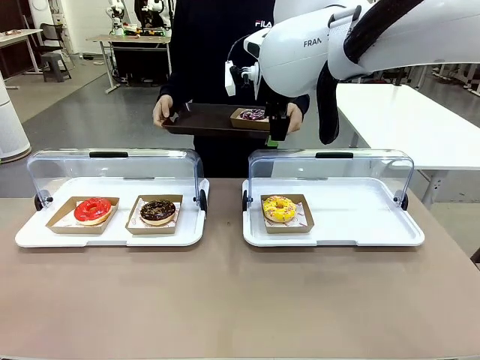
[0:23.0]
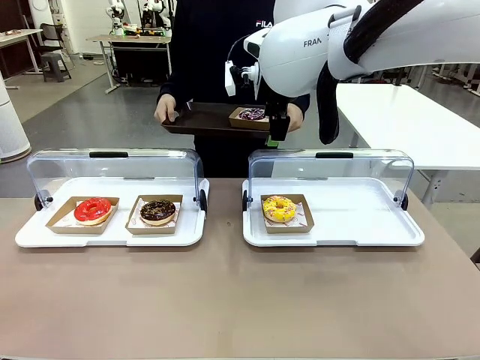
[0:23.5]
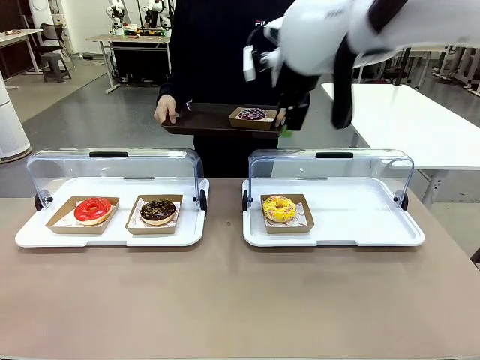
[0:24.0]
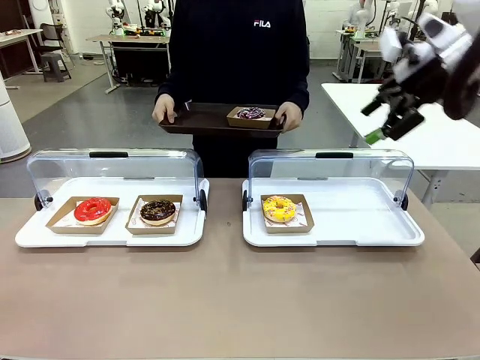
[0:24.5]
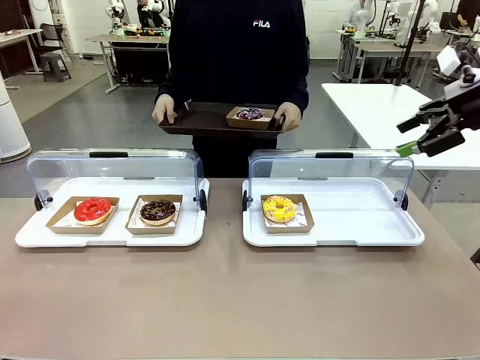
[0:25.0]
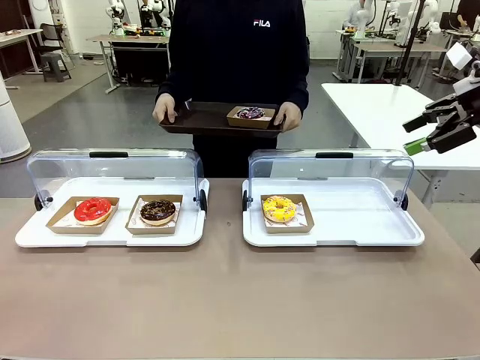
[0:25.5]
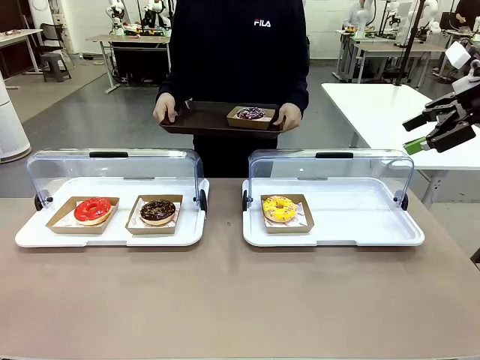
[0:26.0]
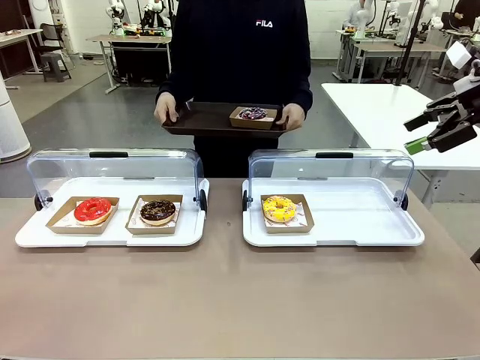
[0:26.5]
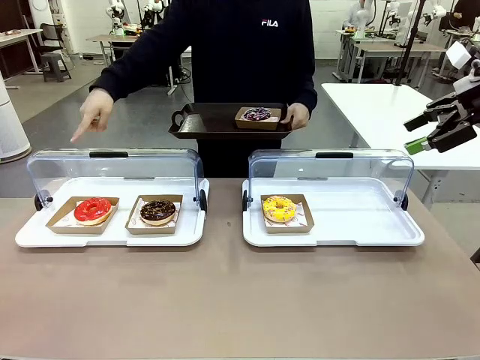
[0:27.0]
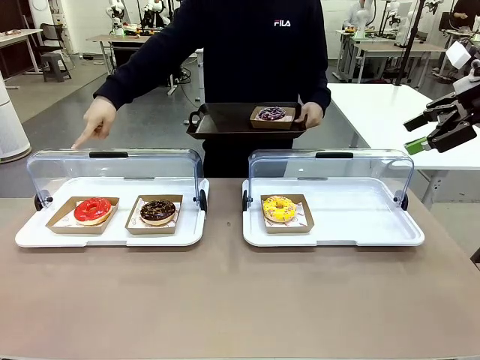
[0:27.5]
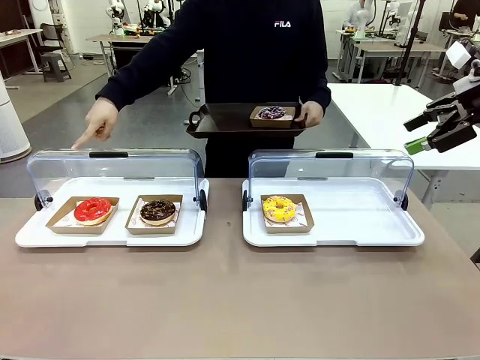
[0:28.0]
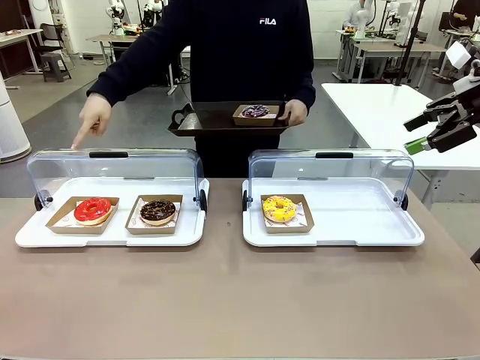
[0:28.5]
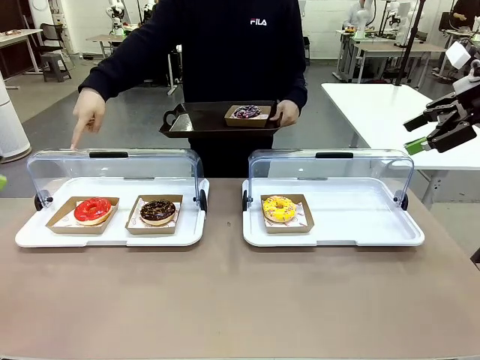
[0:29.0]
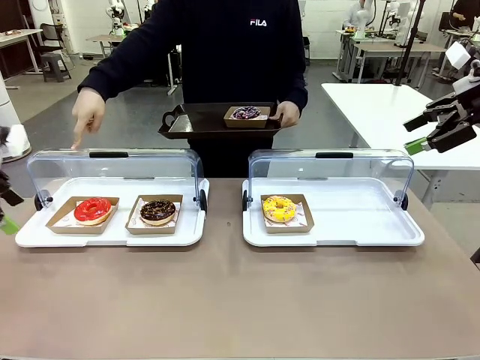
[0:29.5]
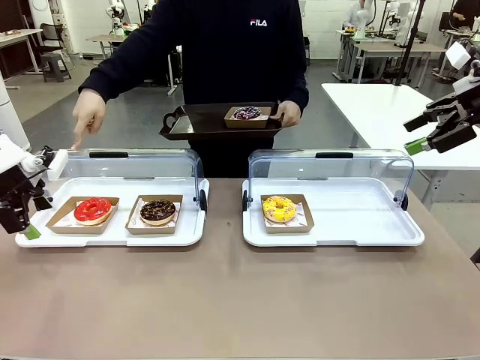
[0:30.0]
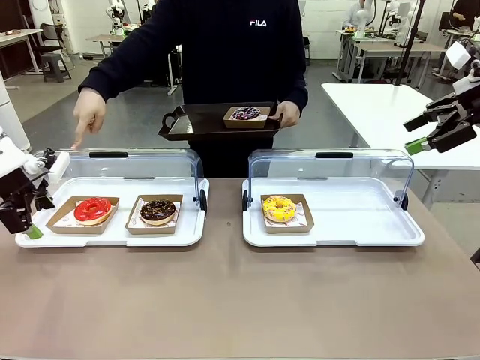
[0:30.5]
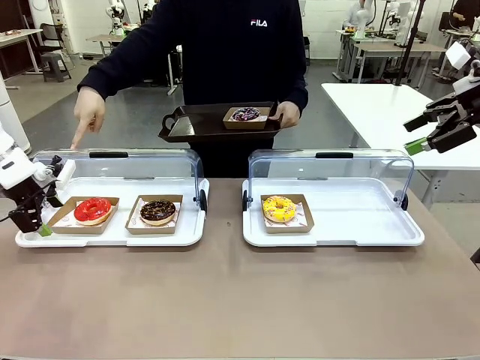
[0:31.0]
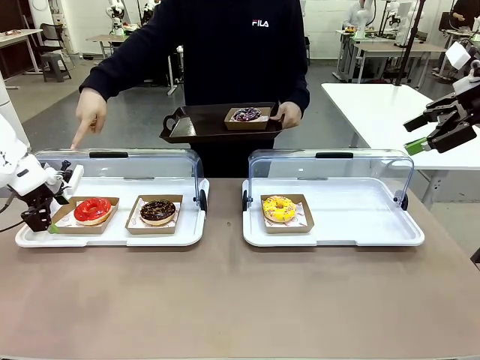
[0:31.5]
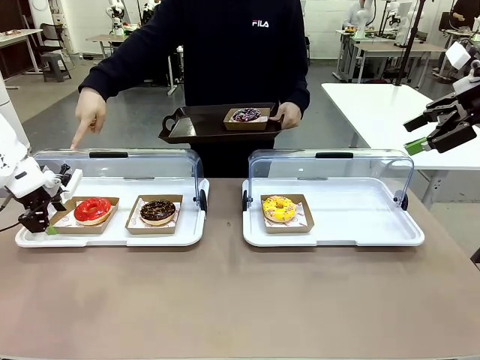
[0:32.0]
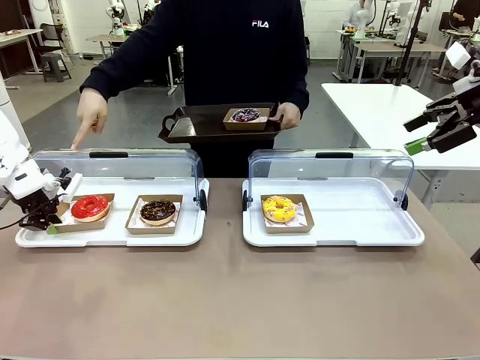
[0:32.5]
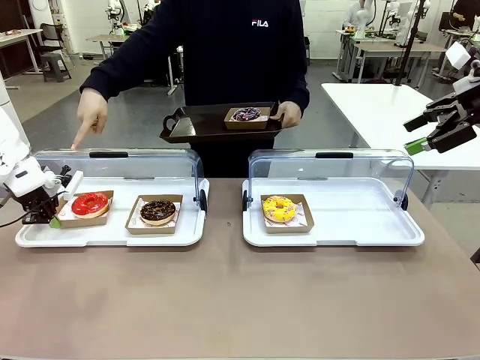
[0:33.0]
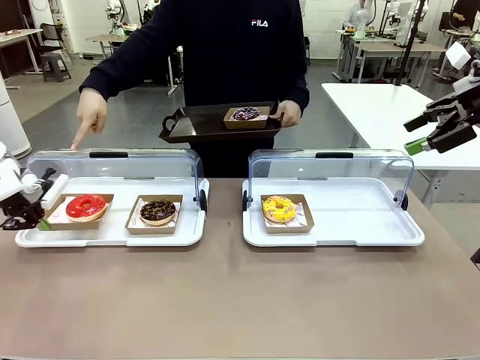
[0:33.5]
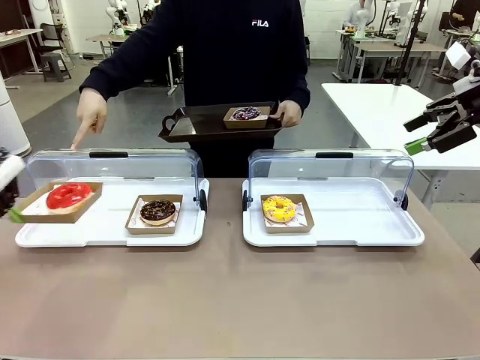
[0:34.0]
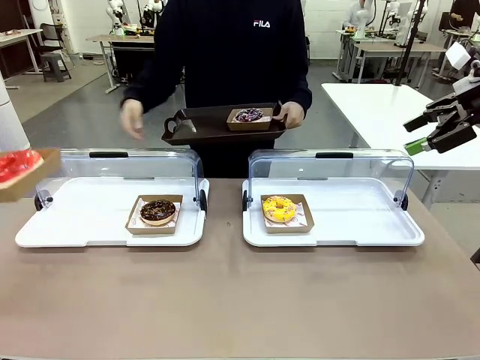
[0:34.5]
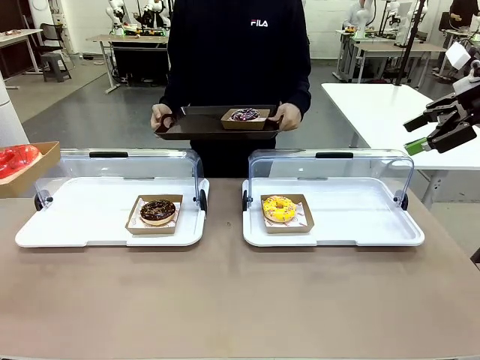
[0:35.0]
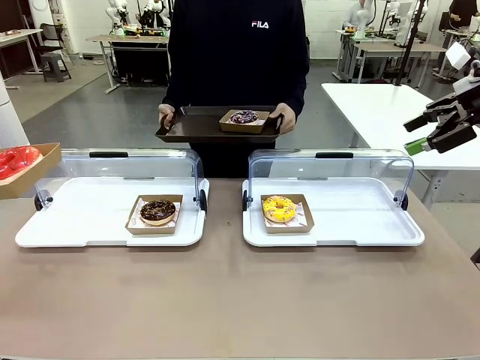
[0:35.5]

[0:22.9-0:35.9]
Task: Provide the desired donut to the person.
Robot: Pick up and lift the Paper togo box containing the Donut pointed at by the person.
Person: Lift the tray onto the Roll-Top Bakery Case.

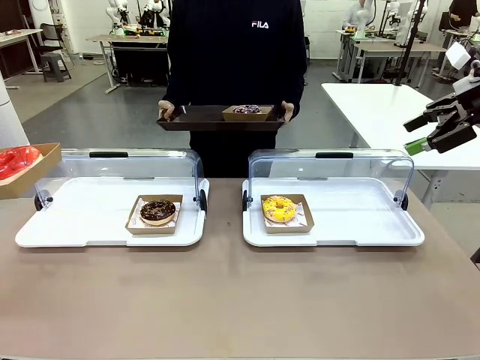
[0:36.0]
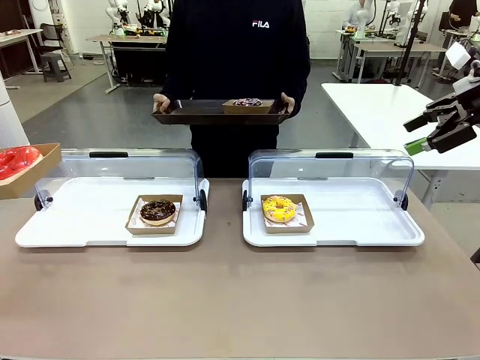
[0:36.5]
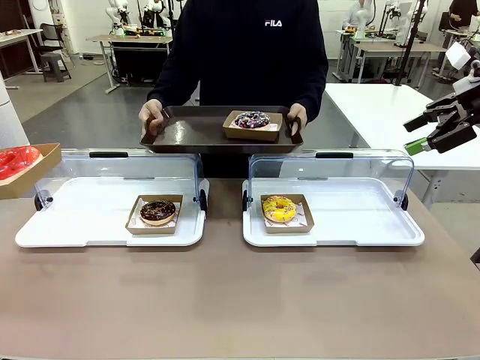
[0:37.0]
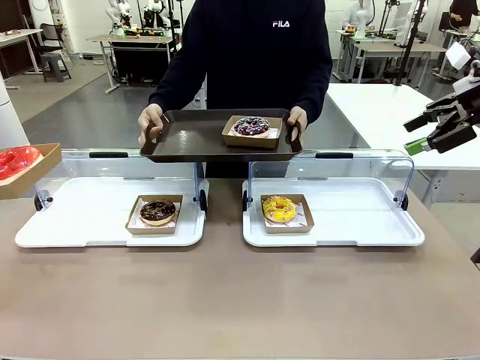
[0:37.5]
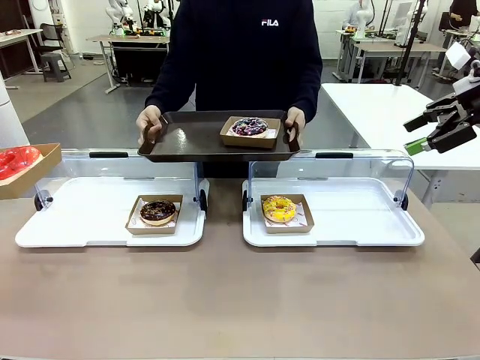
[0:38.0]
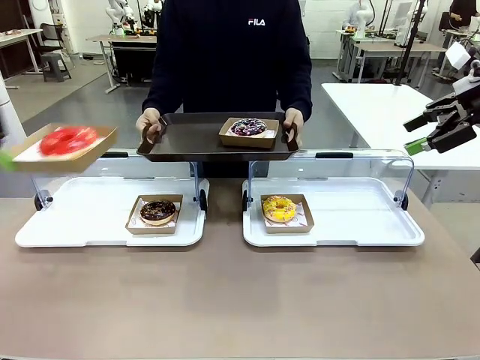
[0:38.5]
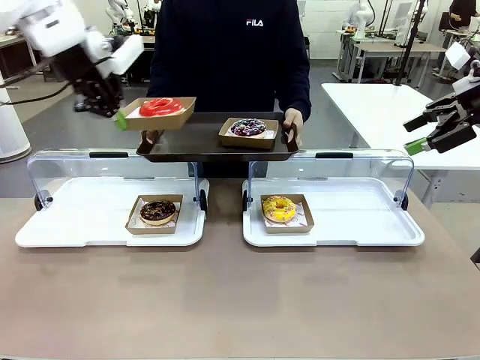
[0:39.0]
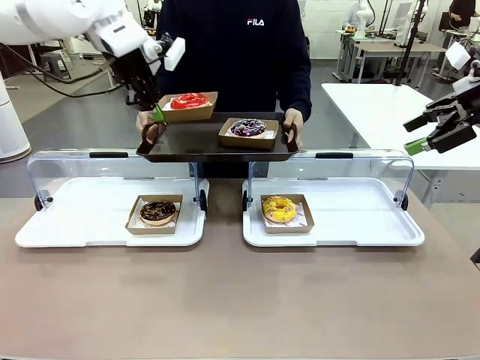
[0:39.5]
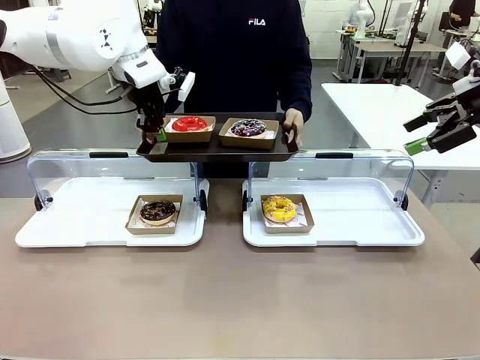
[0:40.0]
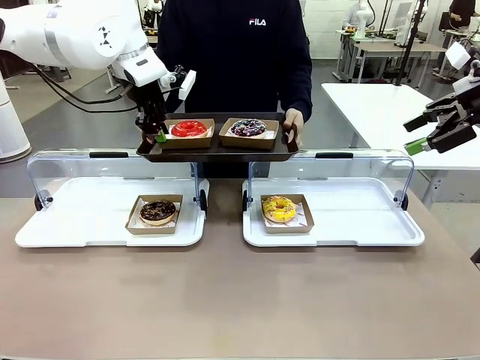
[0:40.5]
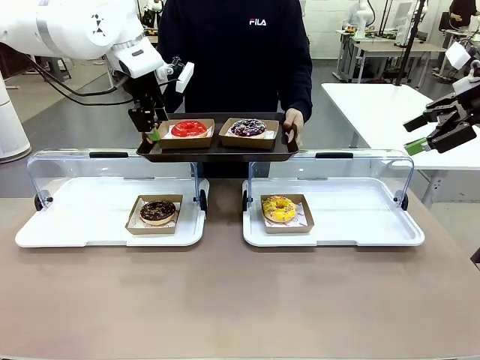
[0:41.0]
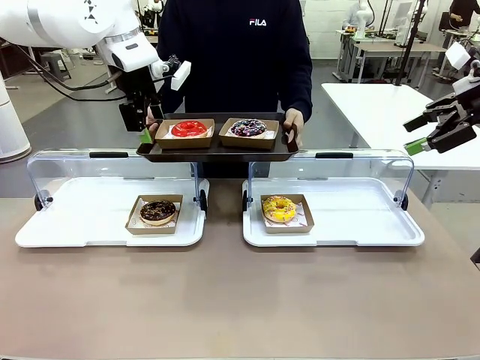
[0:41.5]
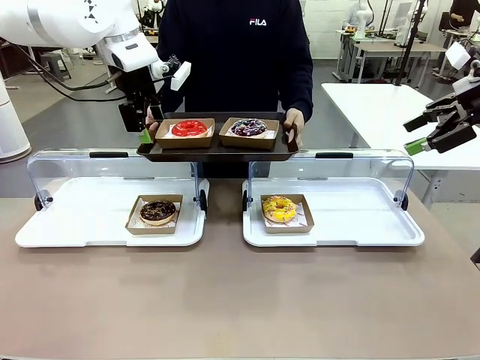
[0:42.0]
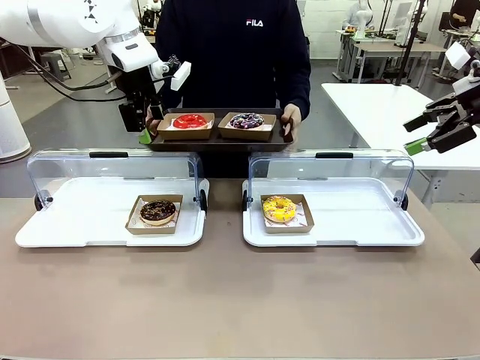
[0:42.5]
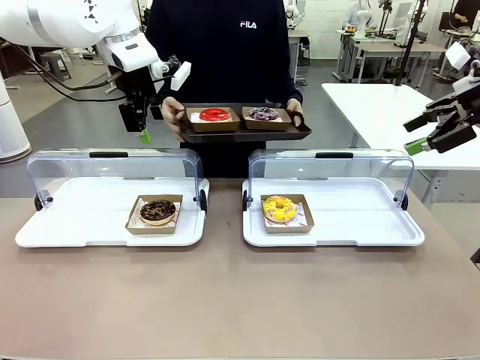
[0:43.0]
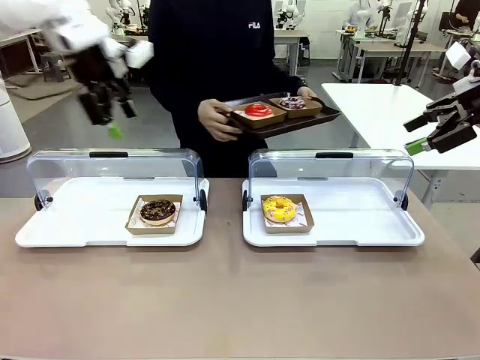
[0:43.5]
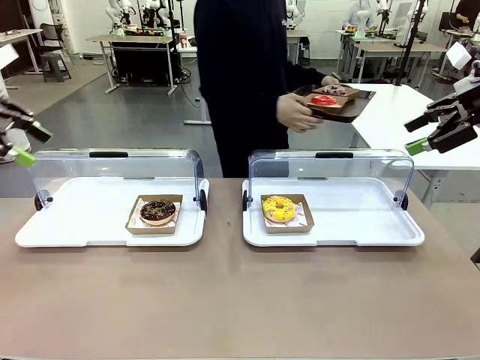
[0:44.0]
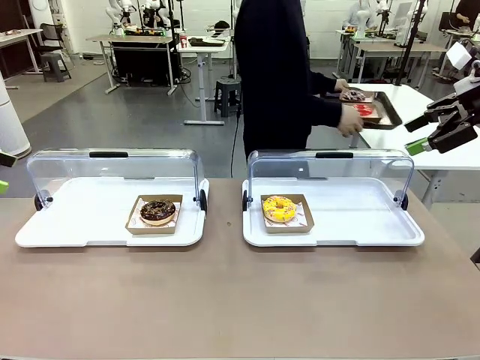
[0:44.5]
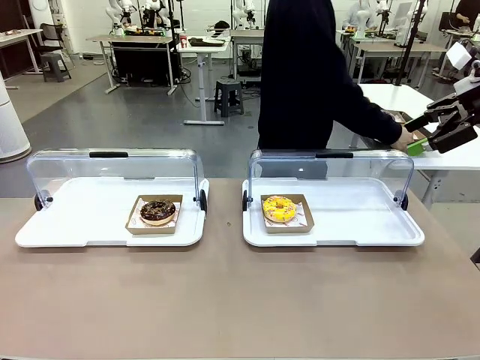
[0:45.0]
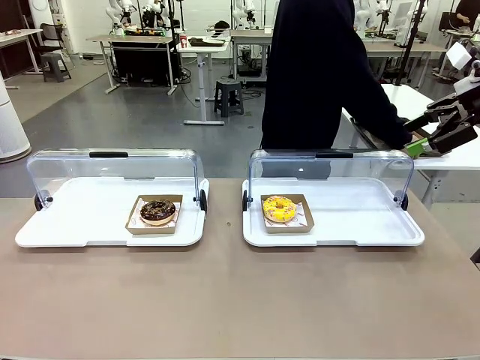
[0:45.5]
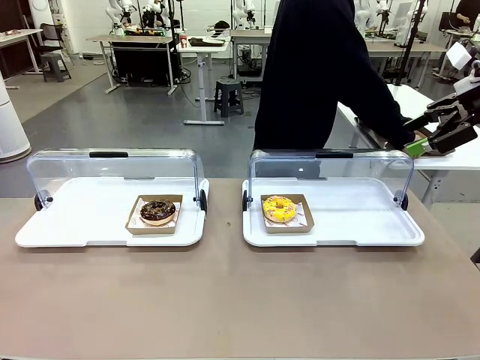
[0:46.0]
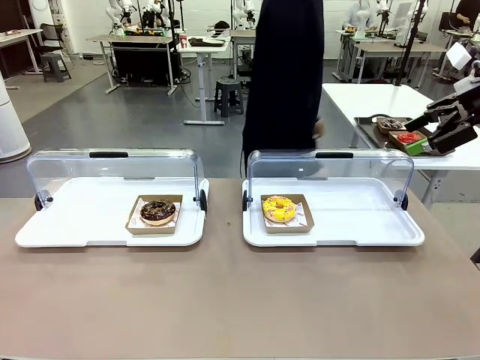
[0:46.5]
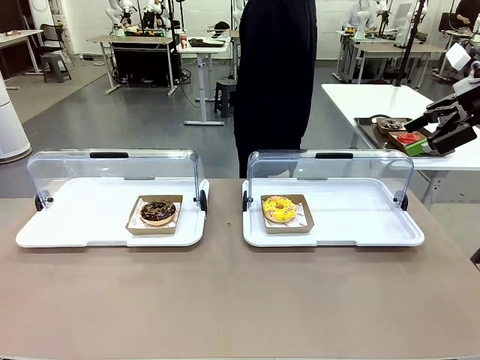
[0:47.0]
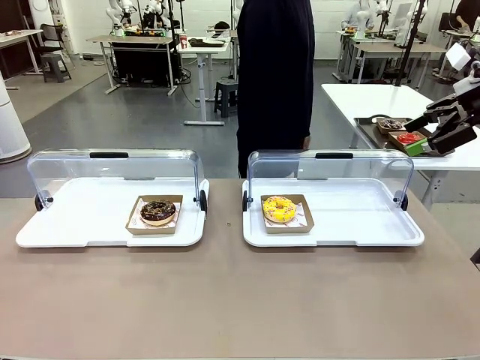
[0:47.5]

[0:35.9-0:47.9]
Robot: Place the picked Paper togo box onto the Handle tray extended by the person.
Person: Place the tray in the middle of the human table.
